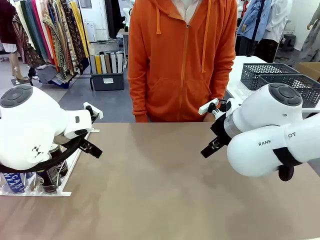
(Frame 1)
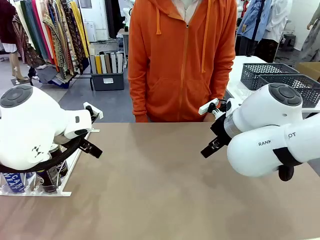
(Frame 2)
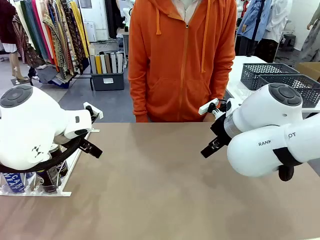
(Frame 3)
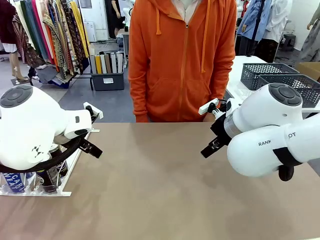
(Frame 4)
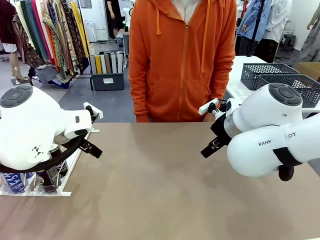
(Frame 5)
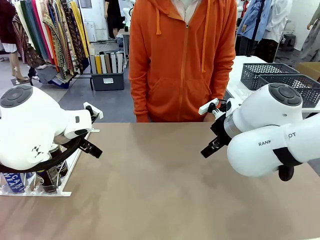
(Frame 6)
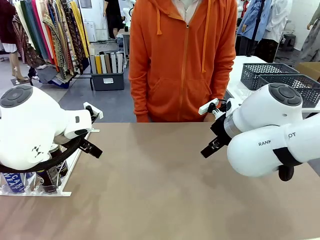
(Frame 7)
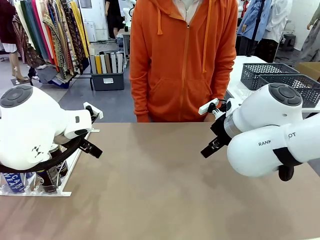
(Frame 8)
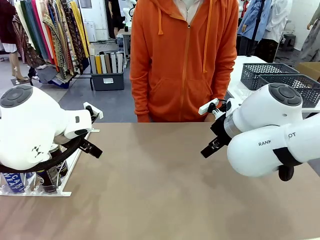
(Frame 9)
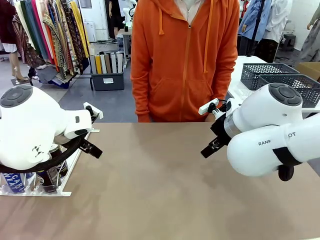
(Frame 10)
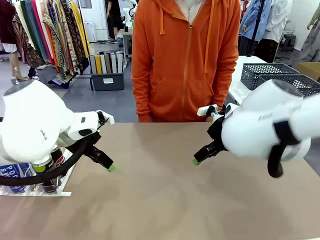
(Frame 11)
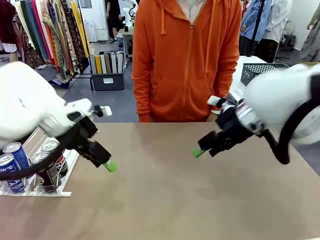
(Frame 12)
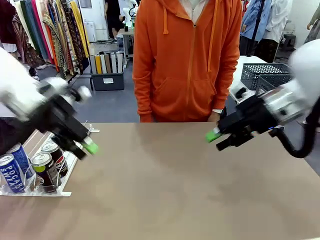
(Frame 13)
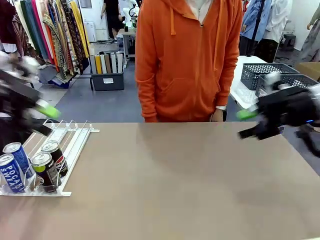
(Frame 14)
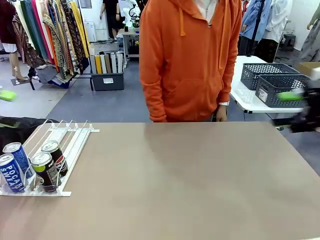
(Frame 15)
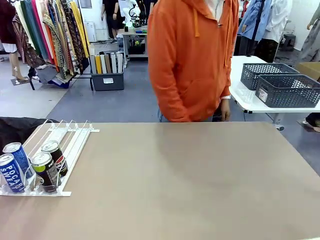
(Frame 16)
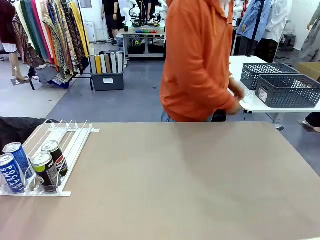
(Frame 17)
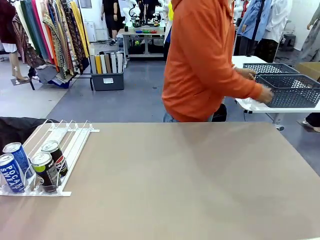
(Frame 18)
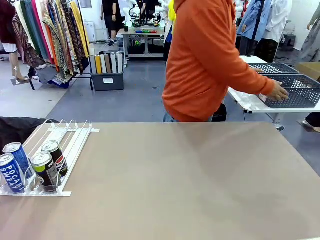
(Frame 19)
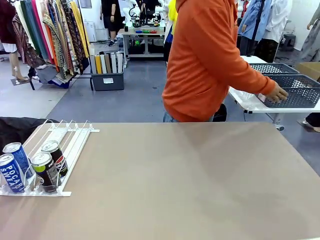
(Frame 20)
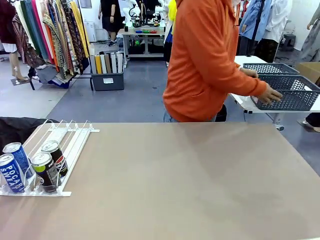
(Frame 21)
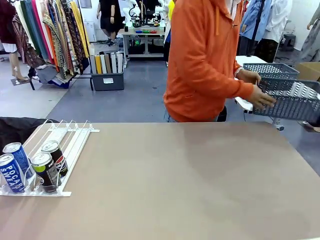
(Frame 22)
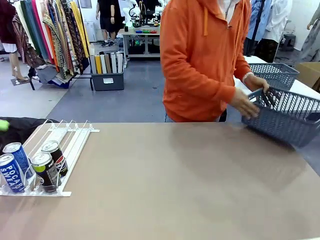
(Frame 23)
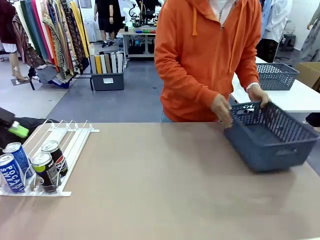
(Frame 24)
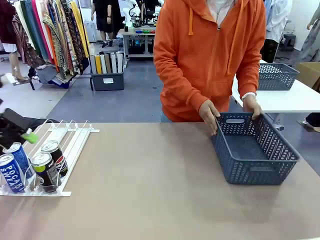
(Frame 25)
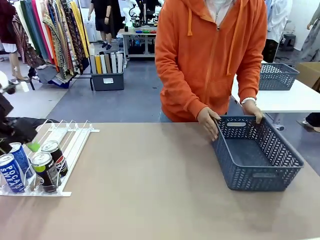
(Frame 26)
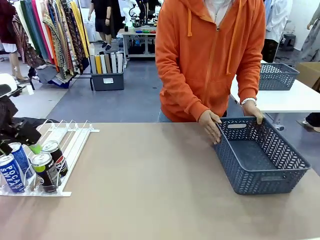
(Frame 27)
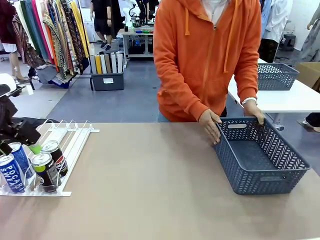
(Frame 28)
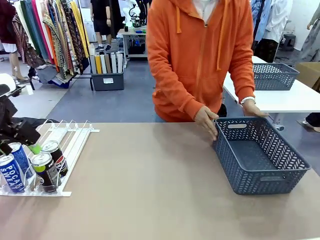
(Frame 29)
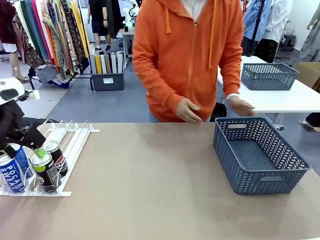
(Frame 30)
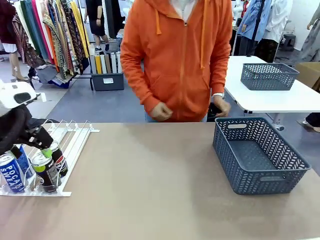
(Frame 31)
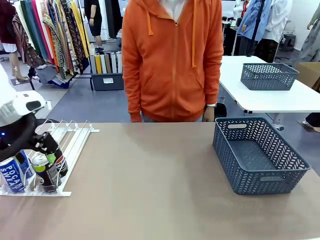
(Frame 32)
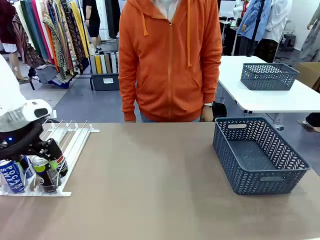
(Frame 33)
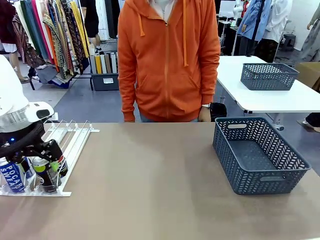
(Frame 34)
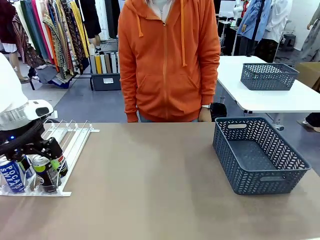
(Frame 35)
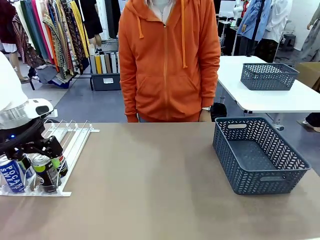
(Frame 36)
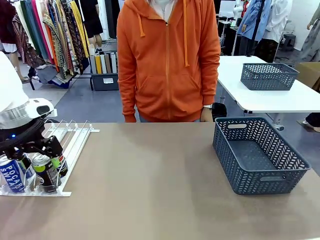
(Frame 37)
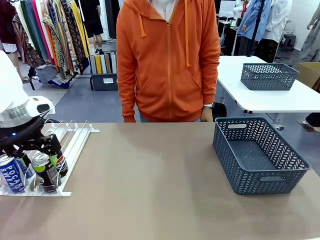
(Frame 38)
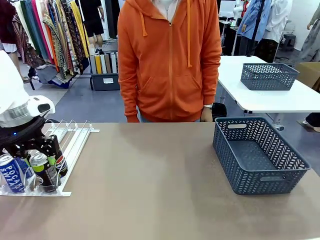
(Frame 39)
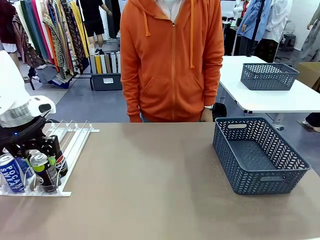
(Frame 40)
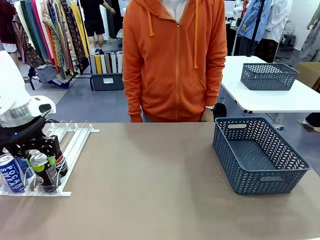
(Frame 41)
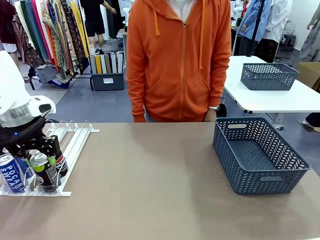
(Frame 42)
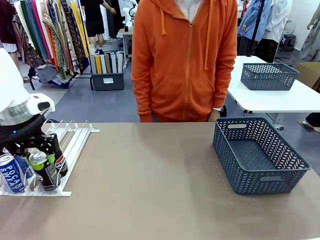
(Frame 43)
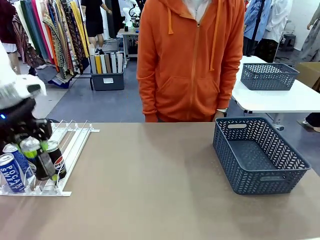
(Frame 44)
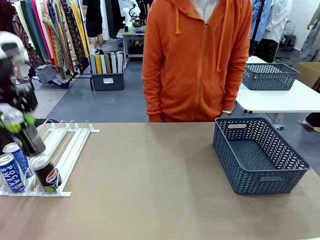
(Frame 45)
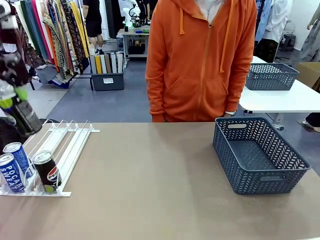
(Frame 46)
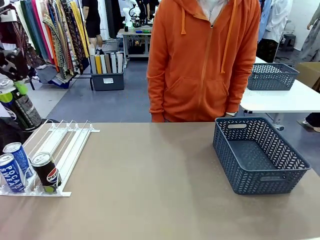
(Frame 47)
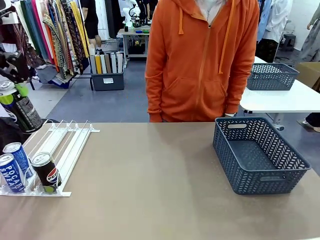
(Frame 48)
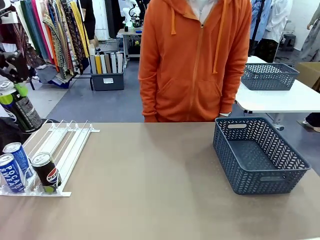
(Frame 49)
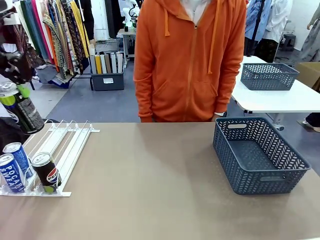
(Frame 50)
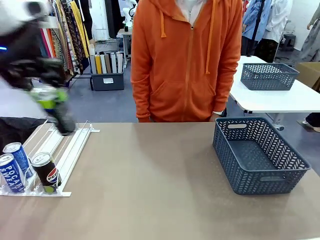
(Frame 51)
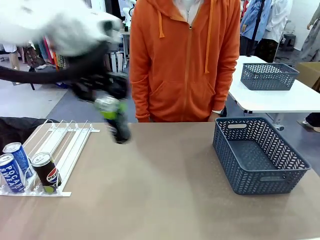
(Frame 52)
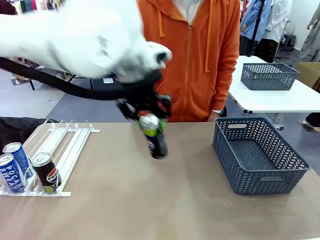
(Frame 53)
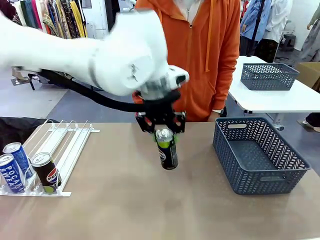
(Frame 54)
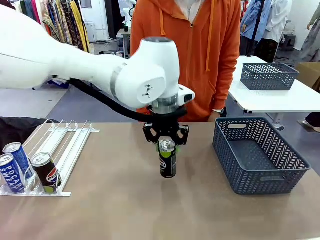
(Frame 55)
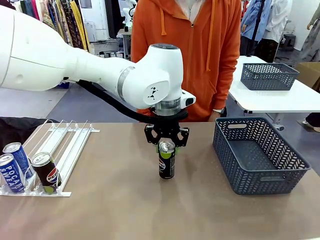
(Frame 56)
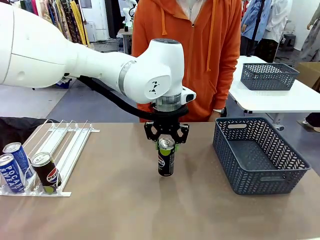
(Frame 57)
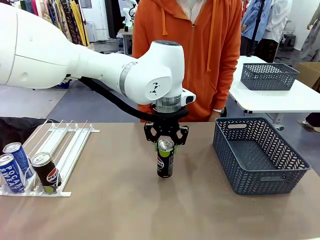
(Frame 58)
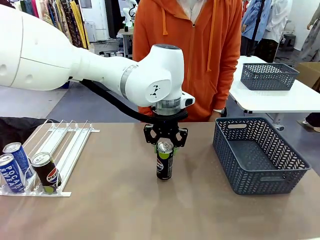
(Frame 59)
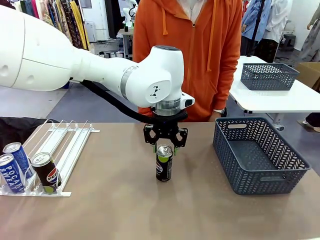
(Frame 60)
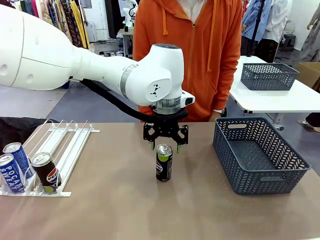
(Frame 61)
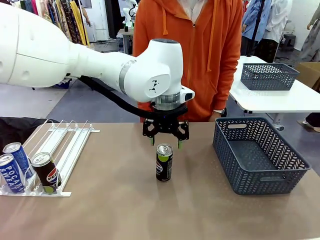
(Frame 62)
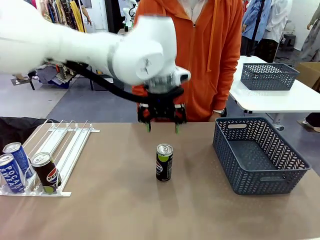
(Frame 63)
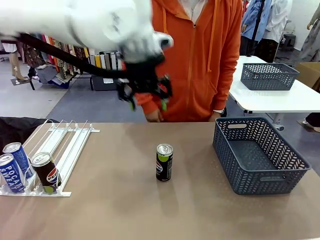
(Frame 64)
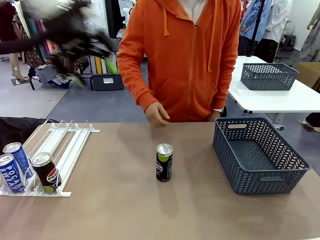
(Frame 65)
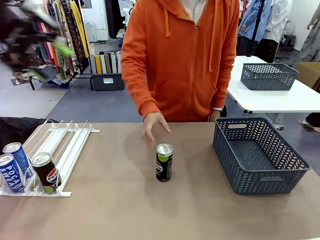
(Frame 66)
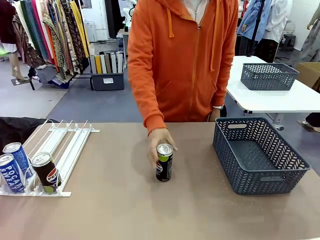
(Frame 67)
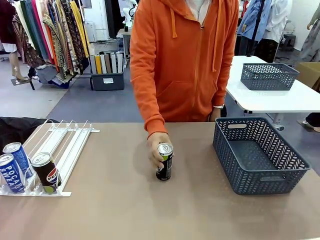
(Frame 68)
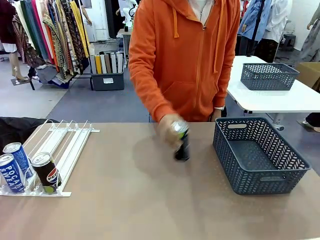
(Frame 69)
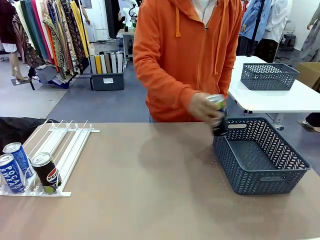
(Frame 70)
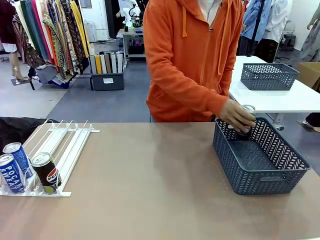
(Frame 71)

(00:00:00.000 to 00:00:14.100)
Task: Retrieve and store the cans from the dispenser.
Robot: Pick up one can from the Automatic Can Dispenser and place it in the middle of the table.
Person: Pick up the basket and place it on the left side of the robot table.

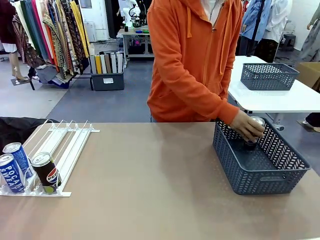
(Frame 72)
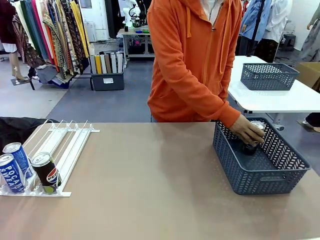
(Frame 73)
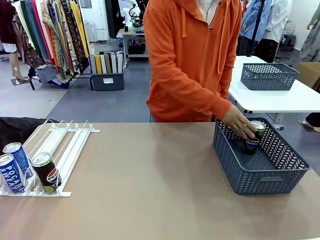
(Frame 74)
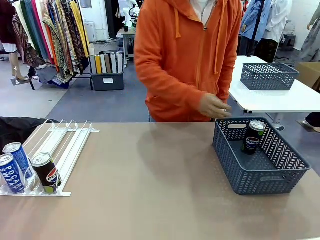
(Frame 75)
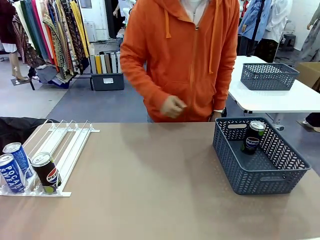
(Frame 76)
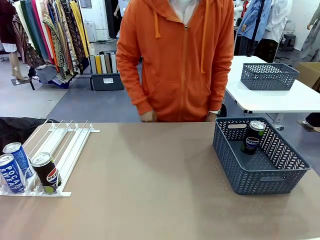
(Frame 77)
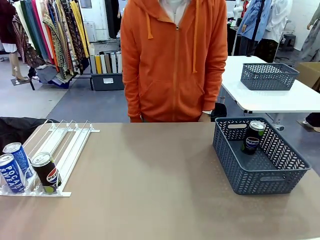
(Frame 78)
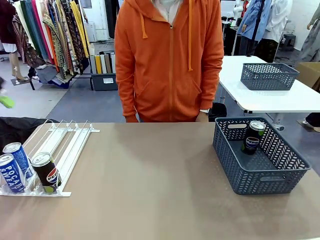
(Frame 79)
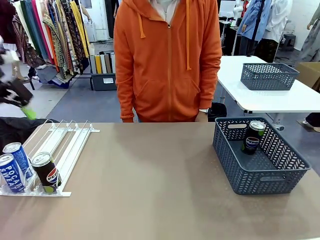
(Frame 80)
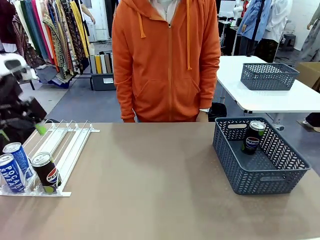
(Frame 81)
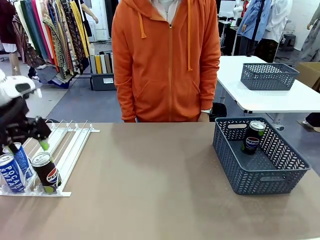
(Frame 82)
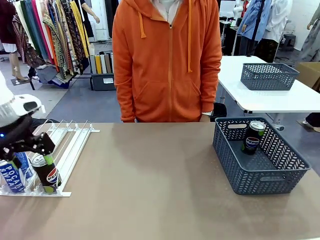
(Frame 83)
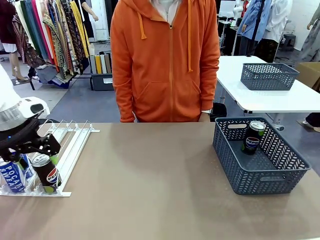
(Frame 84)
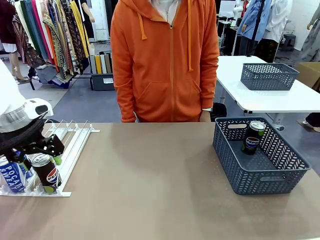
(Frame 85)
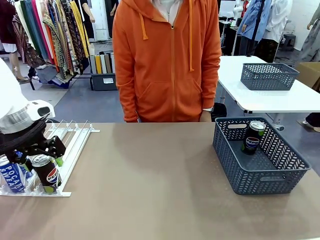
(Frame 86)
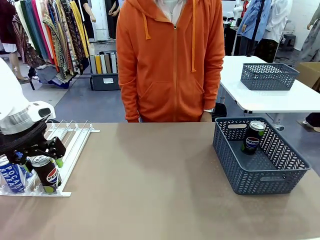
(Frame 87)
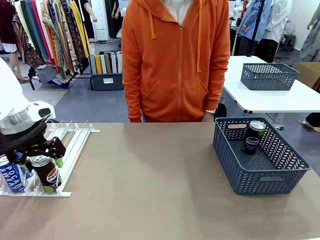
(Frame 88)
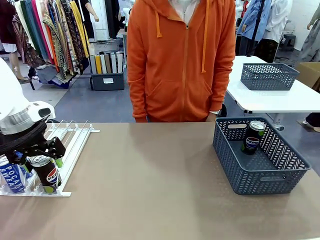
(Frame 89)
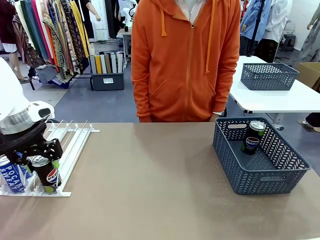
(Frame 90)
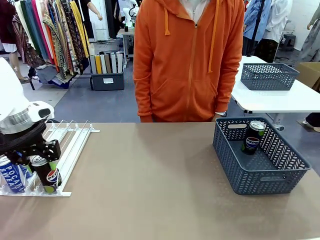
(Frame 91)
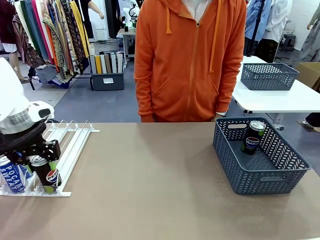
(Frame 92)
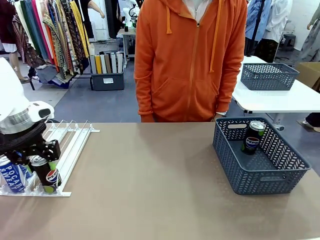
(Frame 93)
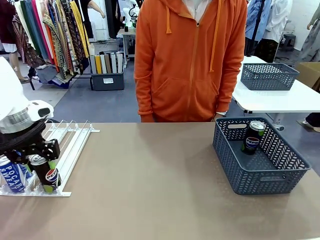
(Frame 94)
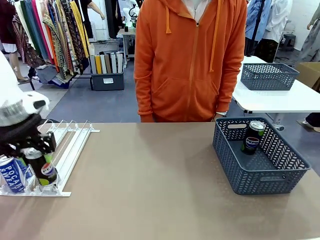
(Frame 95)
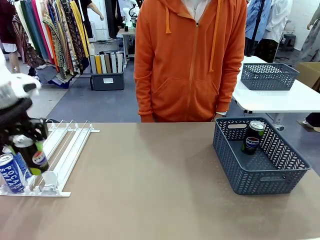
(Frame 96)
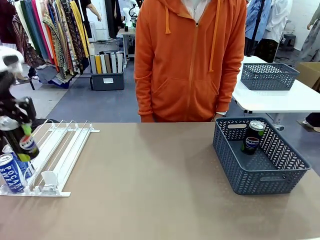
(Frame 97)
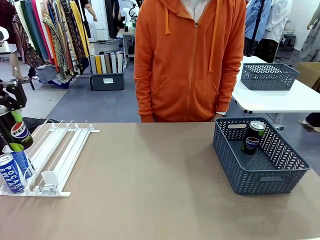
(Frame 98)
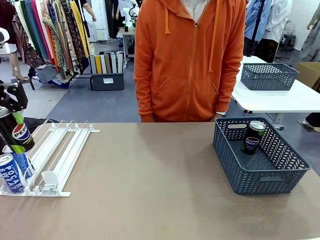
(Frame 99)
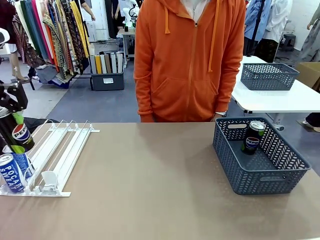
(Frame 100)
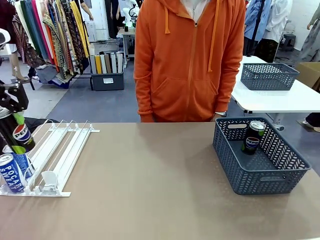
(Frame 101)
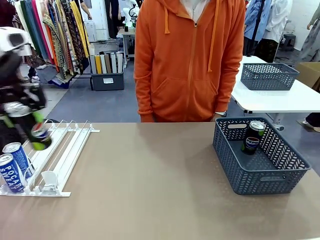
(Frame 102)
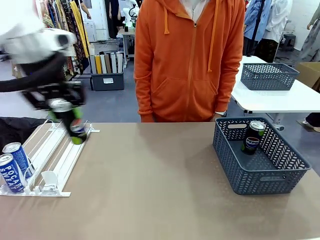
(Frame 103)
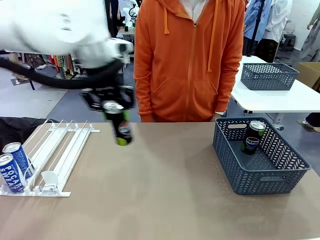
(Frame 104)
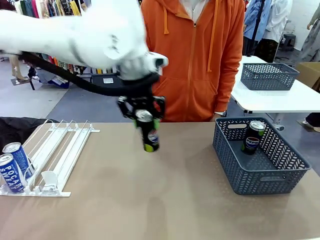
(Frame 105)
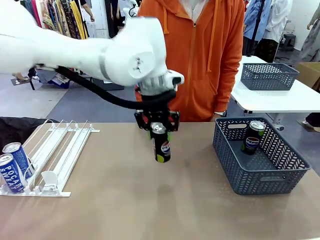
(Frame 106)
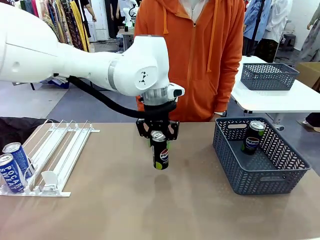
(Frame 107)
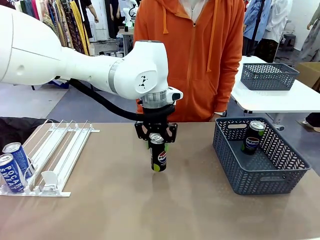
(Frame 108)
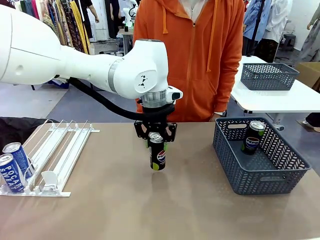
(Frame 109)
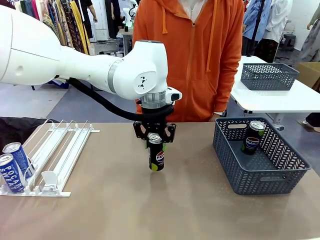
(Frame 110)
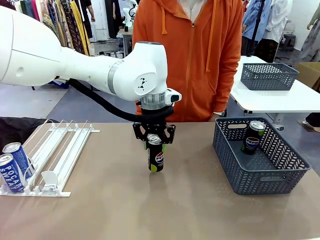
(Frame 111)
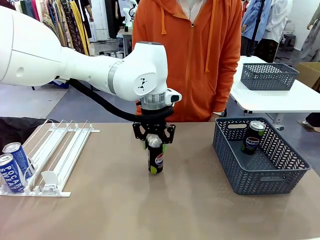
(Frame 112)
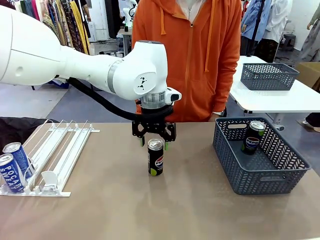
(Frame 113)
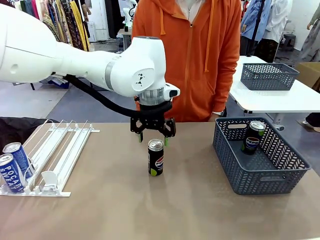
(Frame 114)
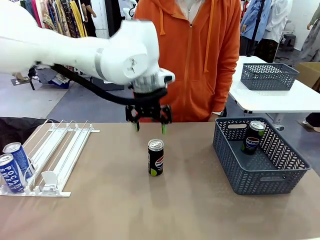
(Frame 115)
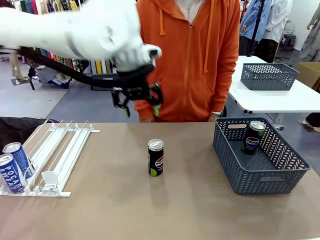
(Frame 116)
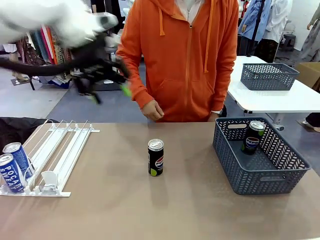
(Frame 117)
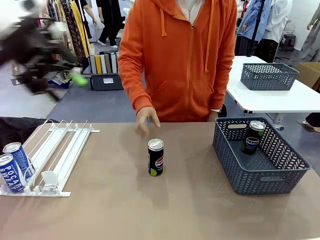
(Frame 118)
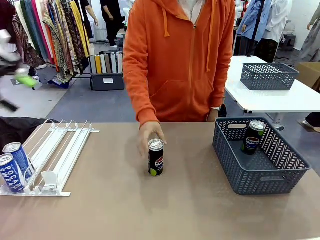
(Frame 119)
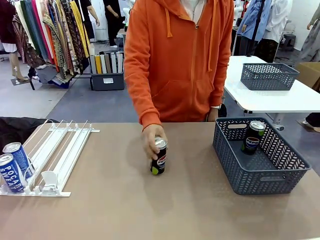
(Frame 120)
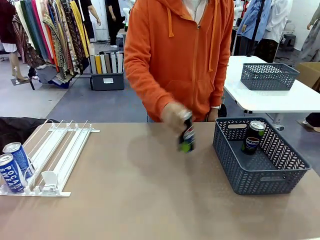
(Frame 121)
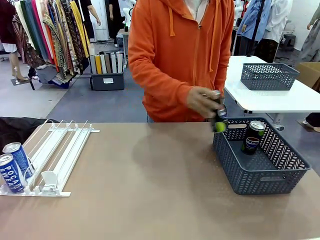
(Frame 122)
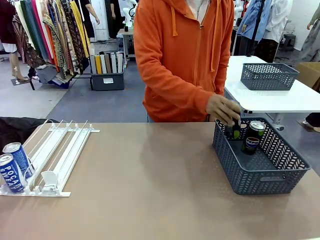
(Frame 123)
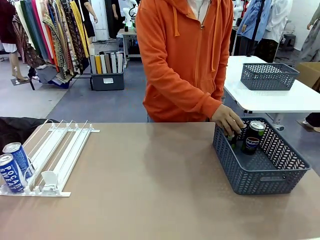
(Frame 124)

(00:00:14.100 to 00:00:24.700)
Robot: Pick up the last remaining can from one row of the Automatic Can Dispenser and place it in the middle of the table.
Person: Pick up one Pepsi can from the middle of the robot table and place it in the basket.
